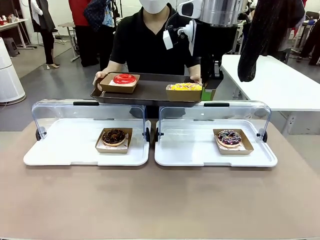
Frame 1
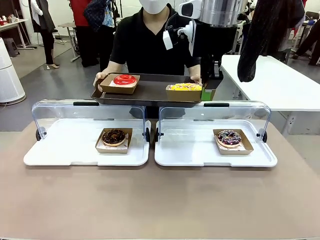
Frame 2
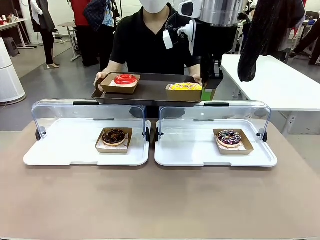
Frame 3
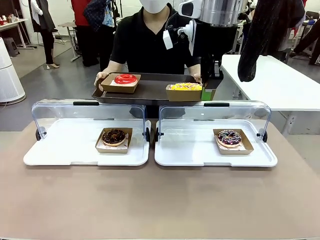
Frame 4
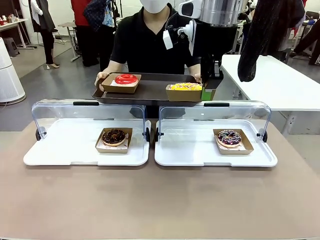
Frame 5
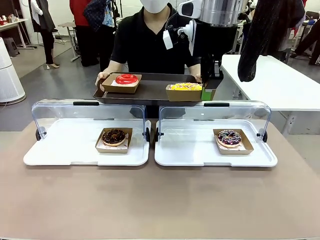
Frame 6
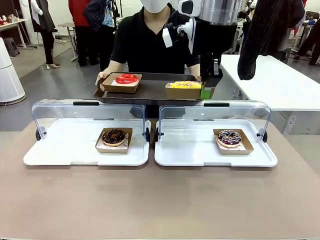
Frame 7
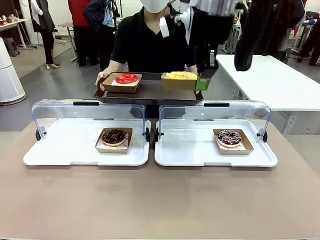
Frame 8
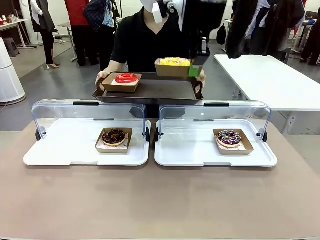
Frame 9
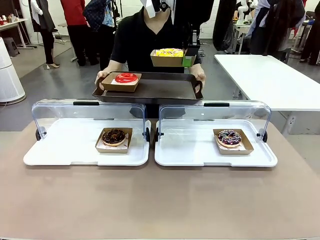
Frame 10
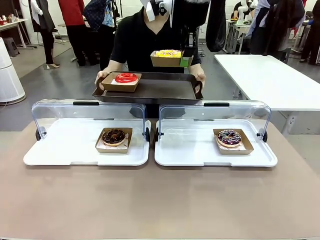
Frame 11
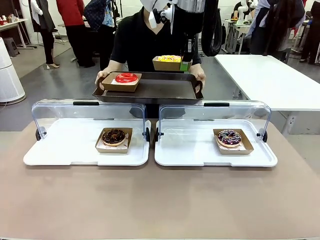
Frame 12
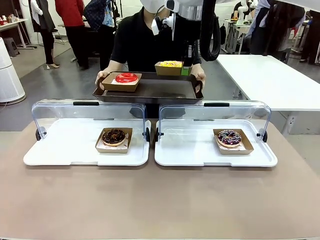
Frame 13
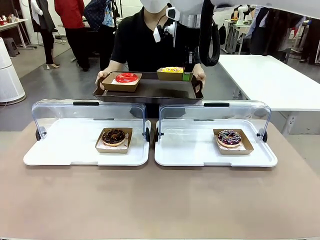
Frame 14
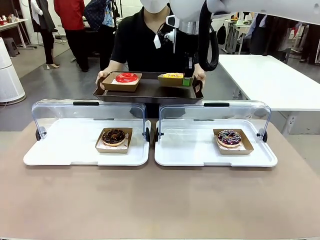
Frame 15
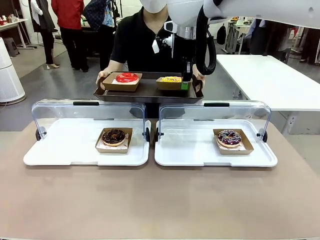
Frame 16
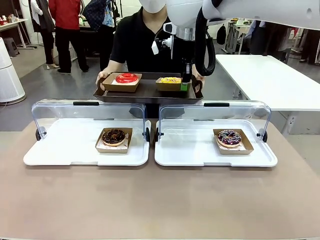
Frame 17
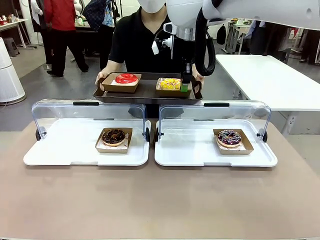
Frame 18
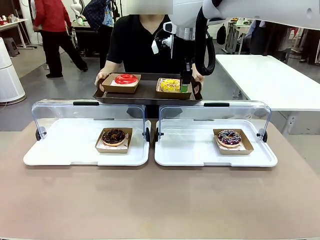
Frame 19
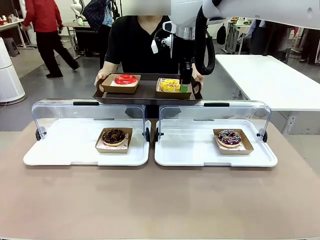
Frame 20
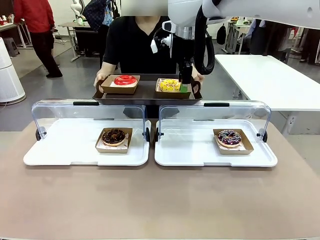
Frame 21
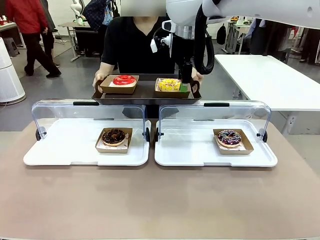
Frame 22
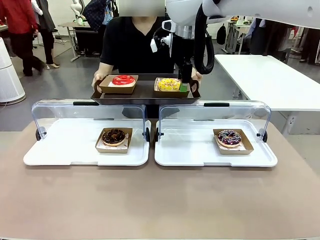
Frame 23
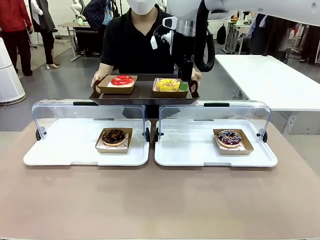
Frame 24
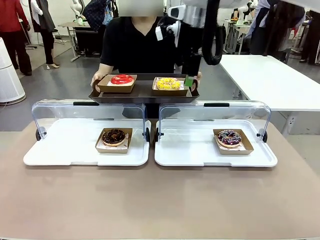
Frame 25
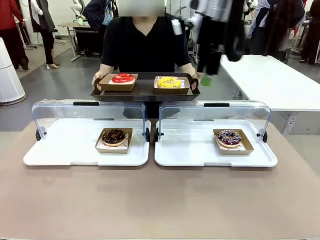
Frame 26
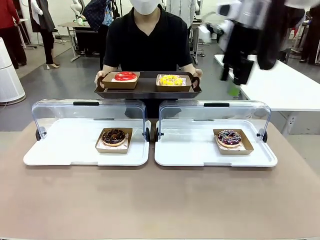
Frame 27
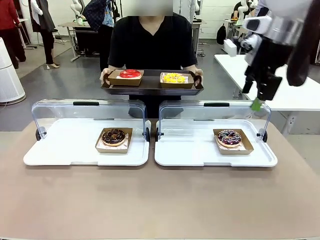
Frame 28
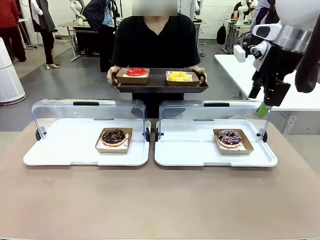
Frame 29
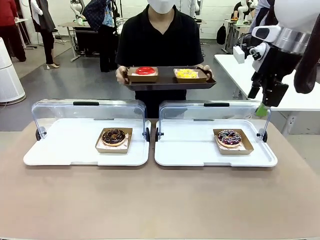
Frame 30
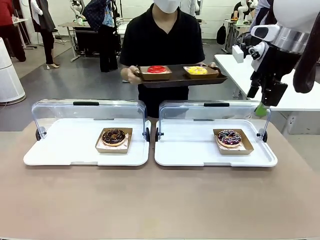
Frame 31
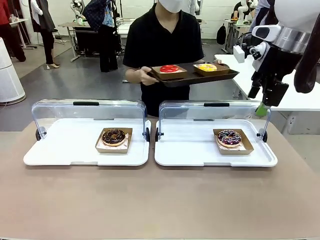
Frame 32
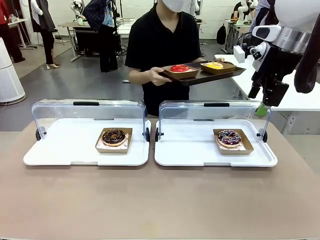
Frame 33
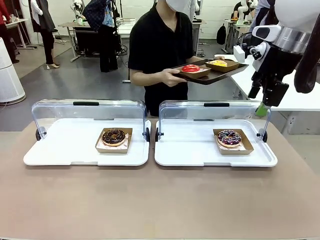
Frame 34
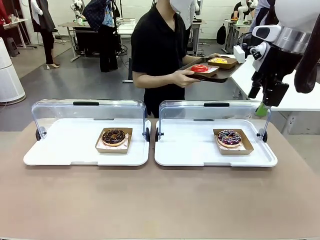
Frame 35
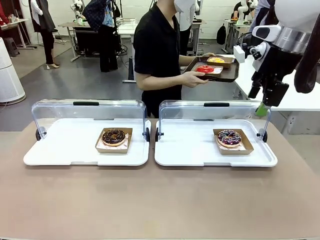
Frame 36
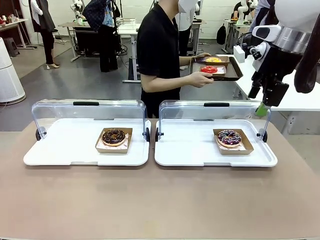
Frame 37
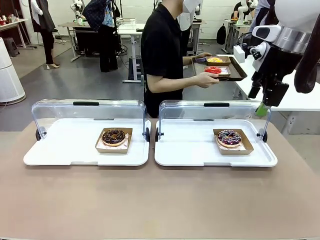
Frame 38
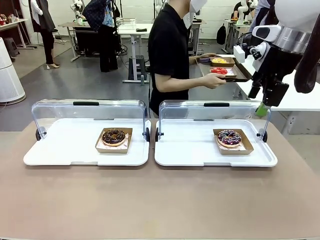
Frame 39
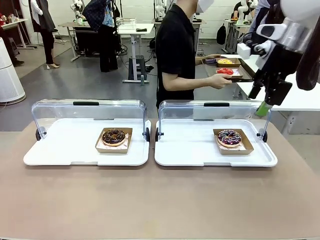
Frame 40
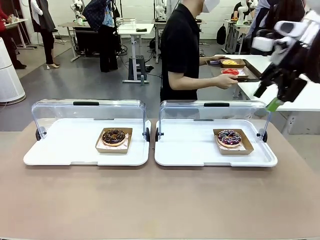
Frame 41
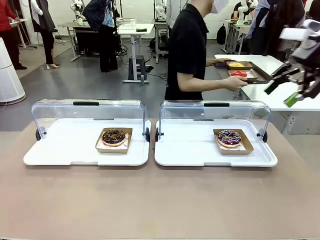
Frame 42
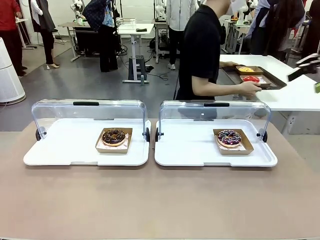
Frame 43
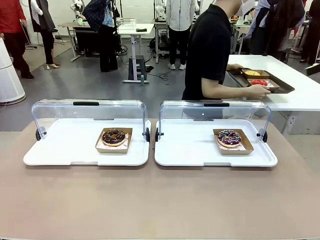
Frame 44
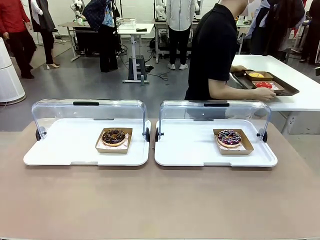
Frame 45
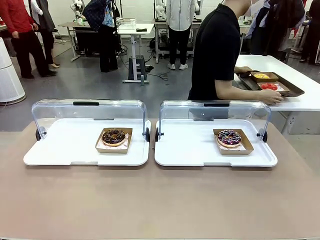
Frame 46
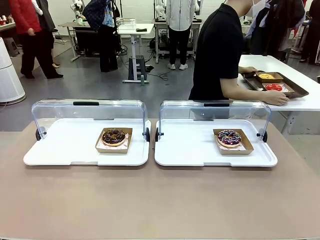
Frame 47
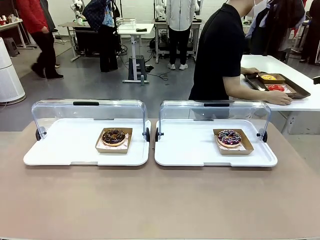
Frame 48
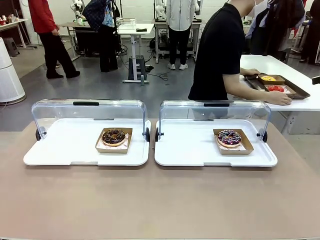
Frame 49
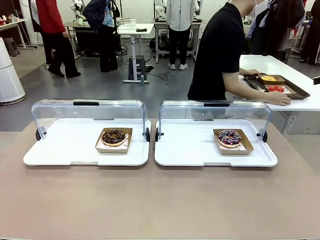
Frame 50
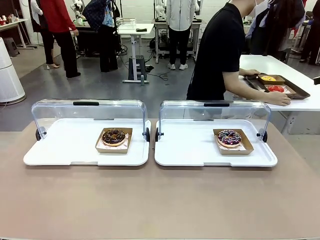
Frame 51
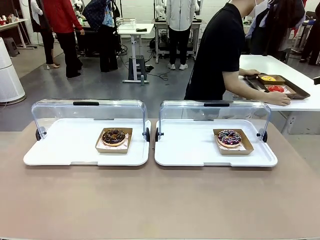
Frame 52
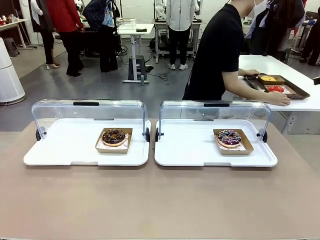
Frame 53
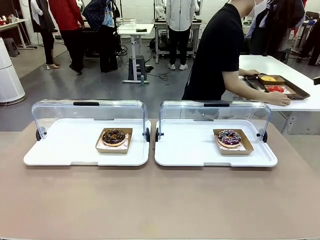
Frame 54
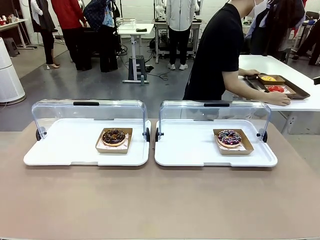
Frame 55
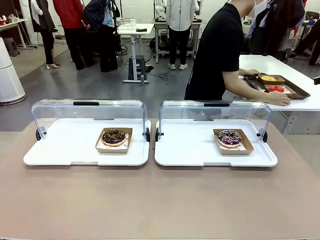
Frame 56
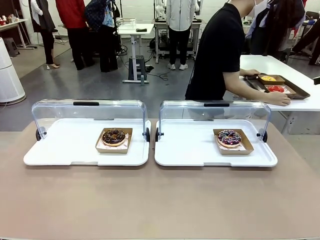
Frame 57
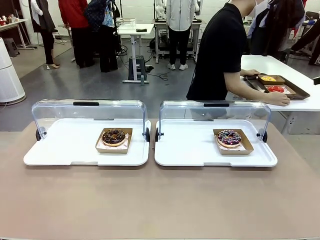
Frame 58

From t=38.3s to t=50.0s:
Task: Provide the desired donut to the person.
Robot: Place the picked Paper togo box onto the Handle tray extended by the person.
Person: Place the tray in the middle of the human table.

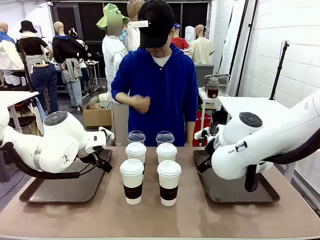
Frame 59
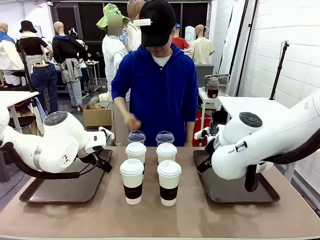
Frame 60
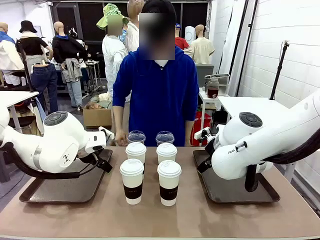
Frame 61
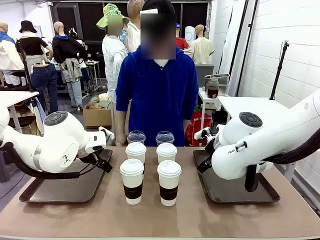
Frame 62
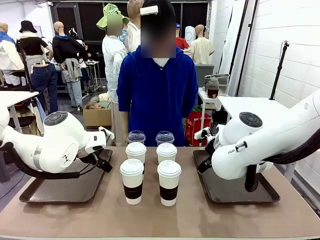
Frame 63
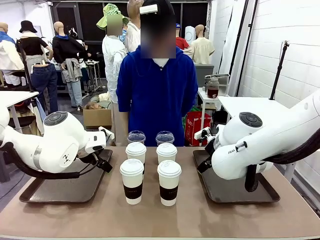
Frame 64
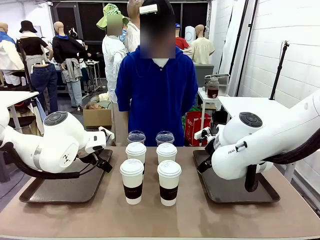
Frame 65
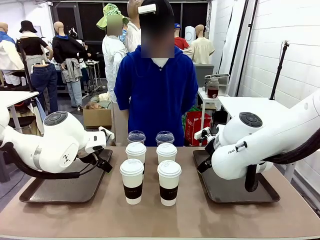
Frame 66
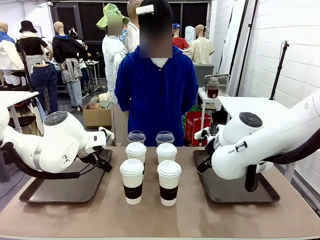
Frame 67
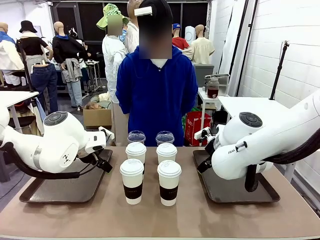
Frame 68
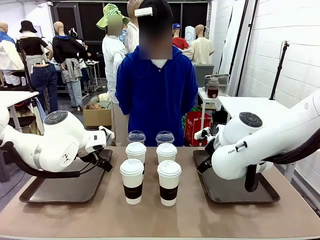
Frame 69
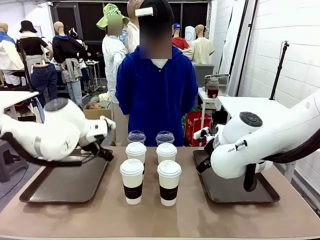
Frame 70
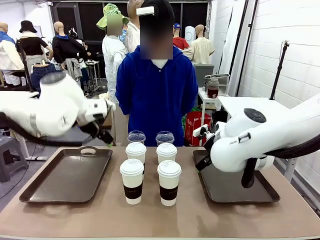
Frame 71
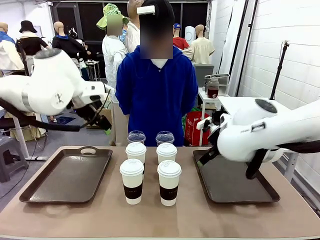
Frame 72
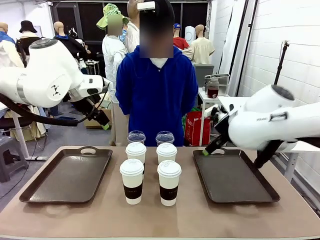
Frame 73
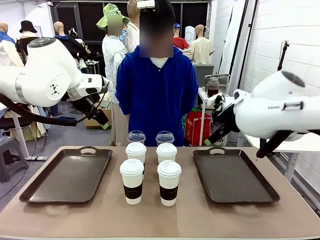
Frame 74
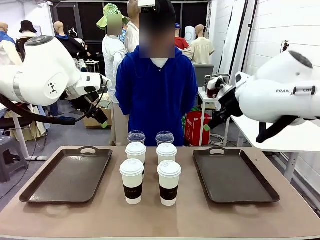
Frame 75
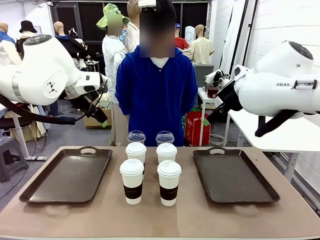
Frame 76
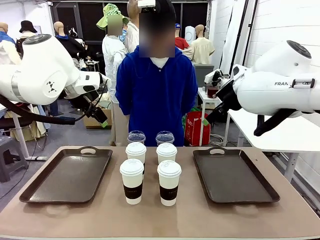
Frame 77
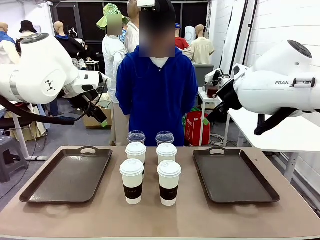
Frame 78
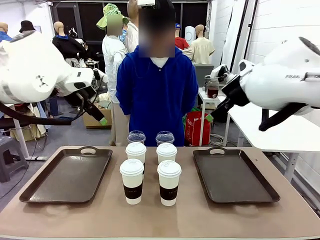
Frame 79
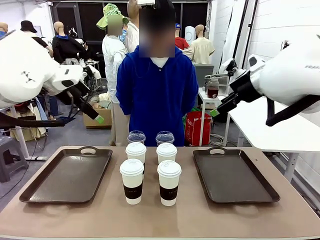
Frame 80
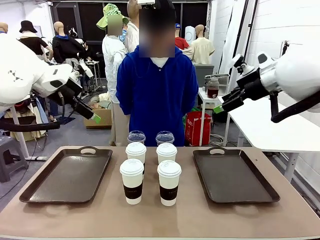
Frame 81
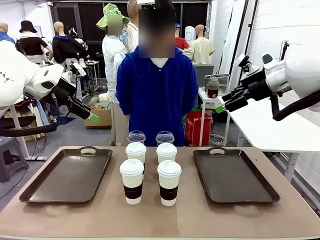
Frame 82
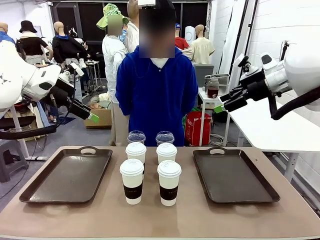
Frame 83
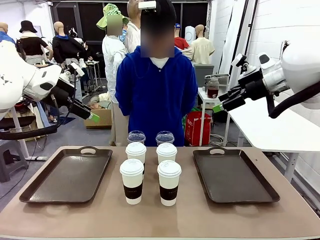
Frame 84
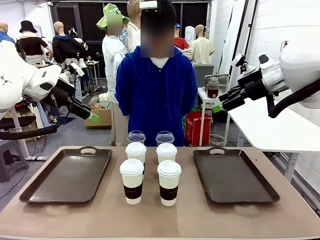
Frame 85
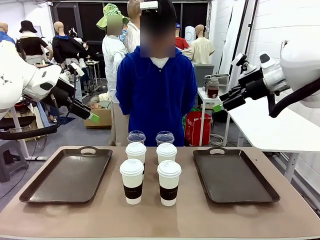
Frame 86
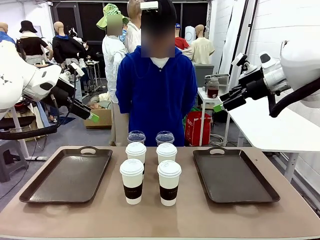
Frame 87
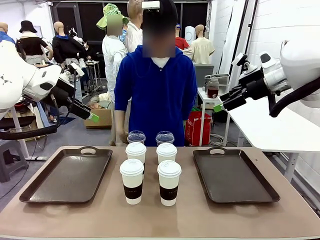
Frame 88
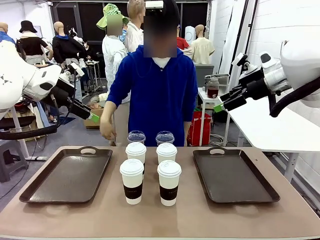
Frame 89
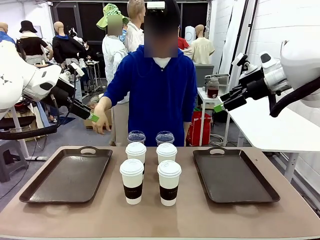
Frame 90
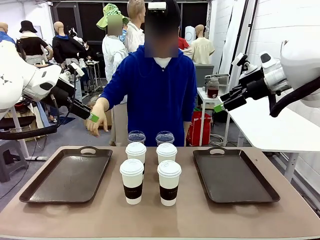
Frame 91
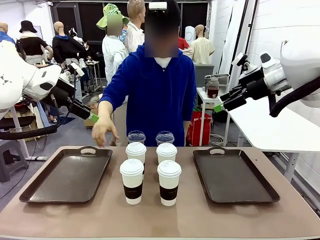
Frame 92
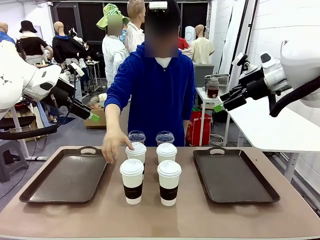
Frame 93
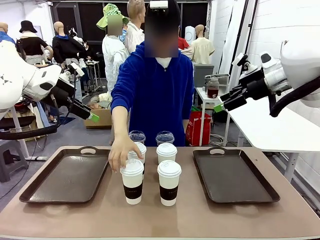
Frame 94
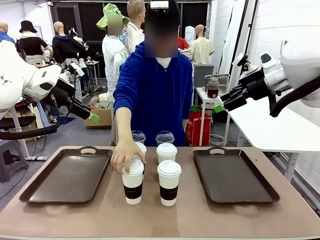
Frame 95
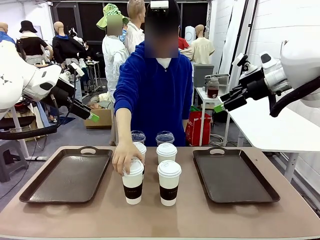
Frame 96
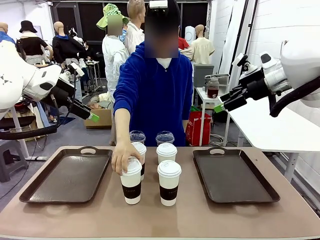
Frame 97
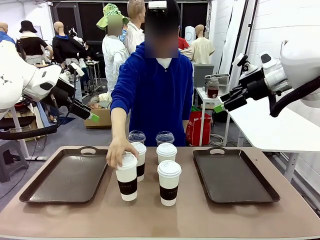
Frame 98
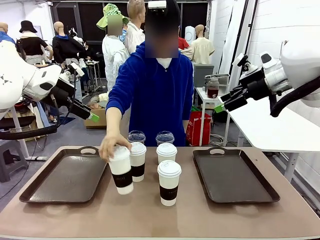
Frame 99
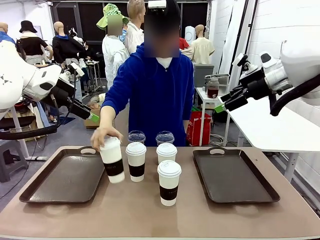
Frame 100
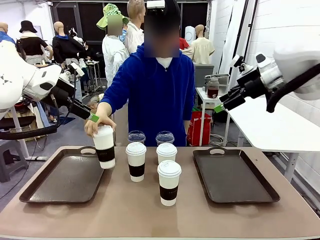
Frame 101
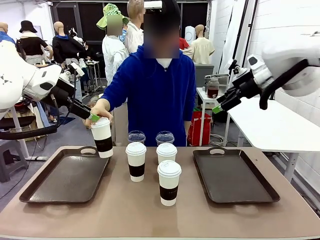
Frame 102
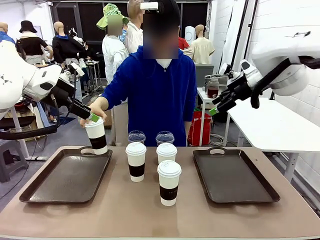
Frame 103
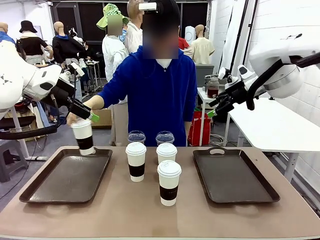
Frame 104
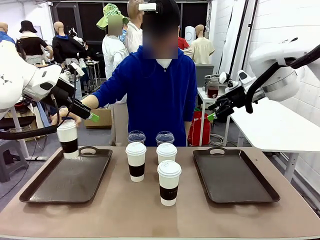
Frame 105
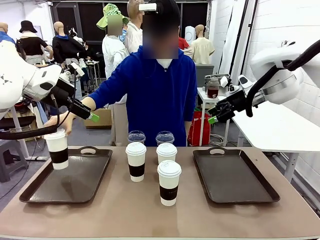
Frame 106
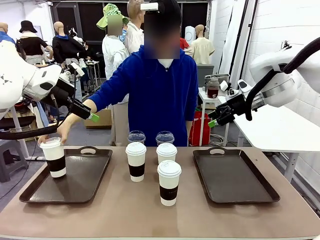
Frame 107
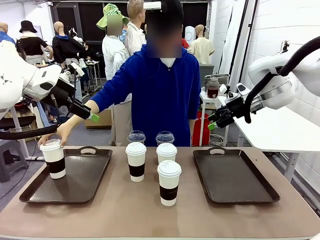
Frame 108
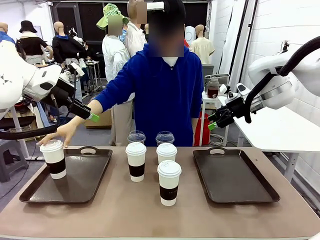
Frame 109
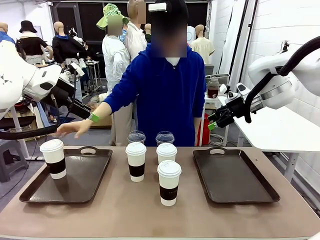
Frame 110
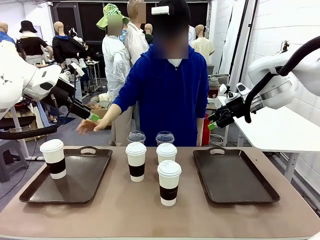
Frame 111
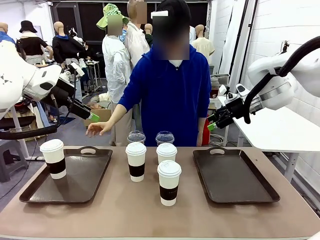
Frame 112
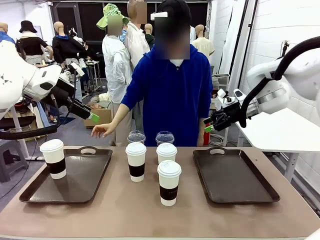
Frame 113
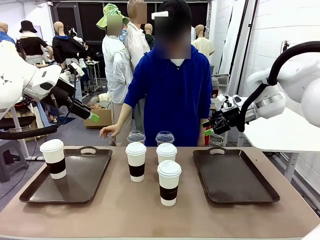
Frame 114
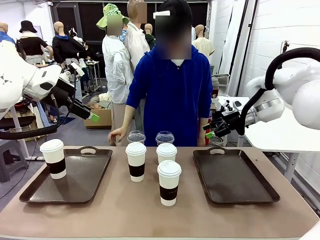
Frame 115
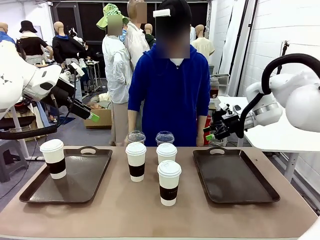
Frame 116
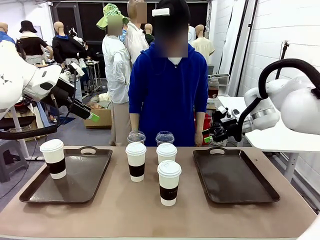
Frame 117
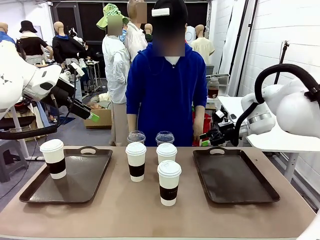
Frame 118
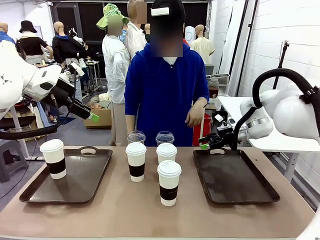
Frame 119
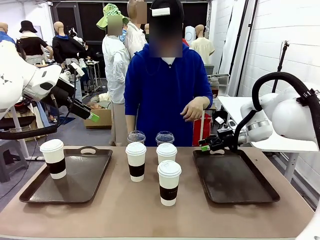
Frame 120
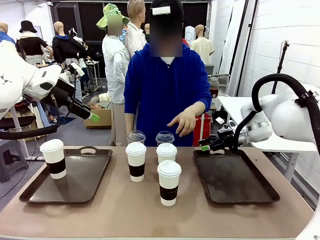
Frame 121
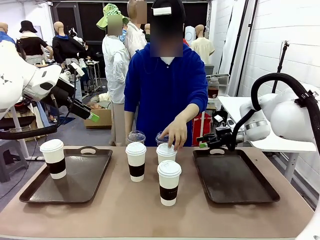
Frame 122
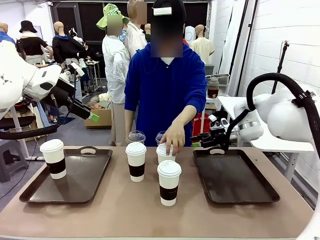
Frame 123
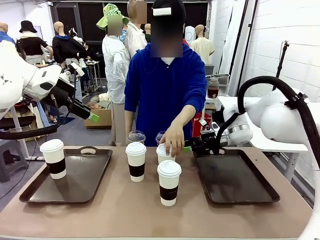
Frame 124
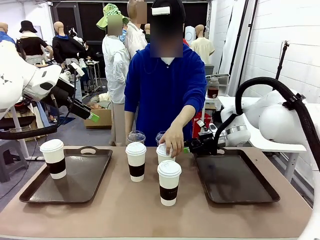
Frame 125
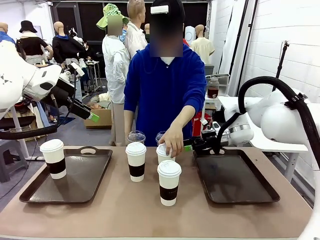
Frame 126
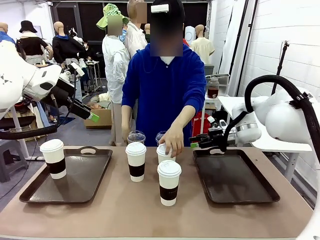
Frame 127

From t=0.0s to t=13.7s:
Task: Distribute the coffee onto the tray.
Robot: Pick up one iced Americano and place it on the right Handle tray.
Person: Pick up a cup of hot Americano and place it on the right tray.
